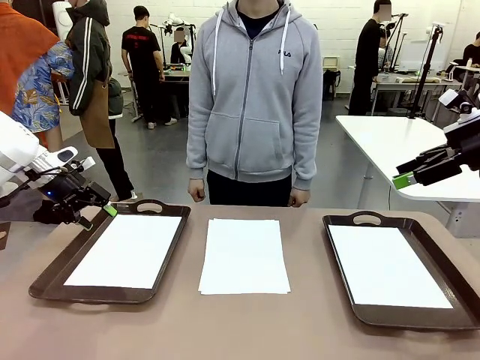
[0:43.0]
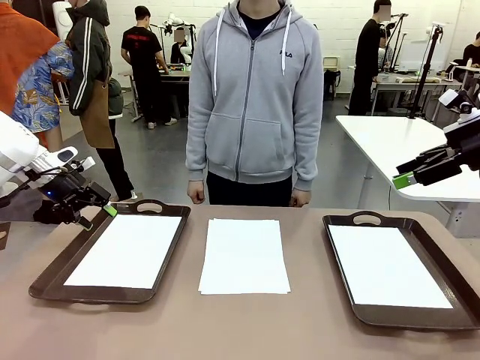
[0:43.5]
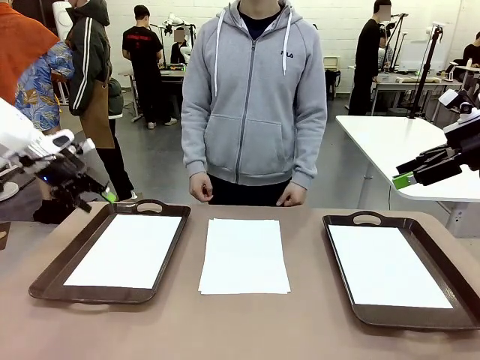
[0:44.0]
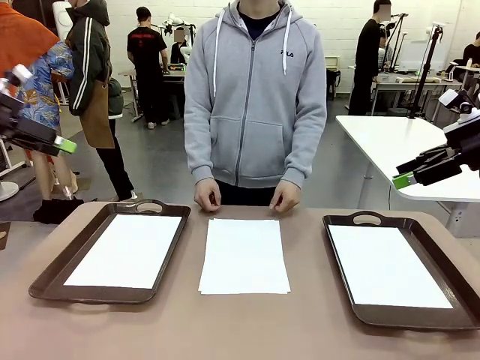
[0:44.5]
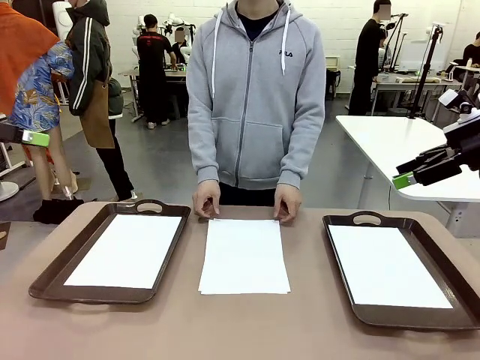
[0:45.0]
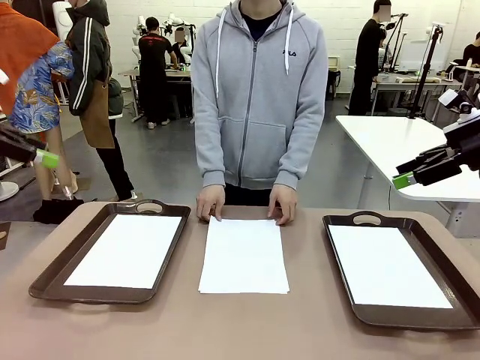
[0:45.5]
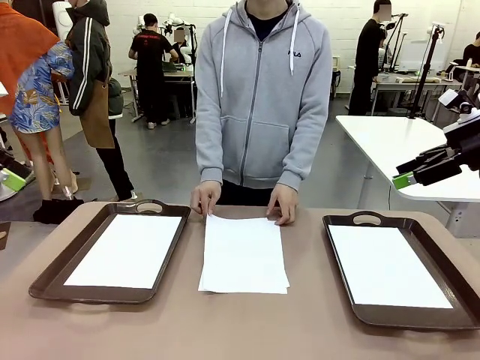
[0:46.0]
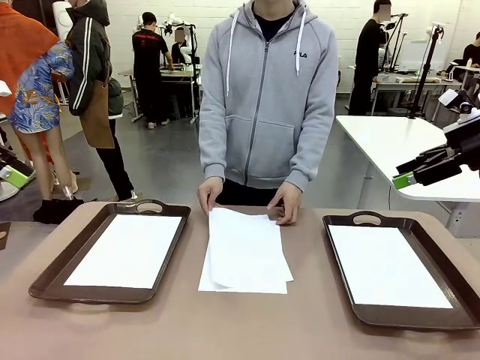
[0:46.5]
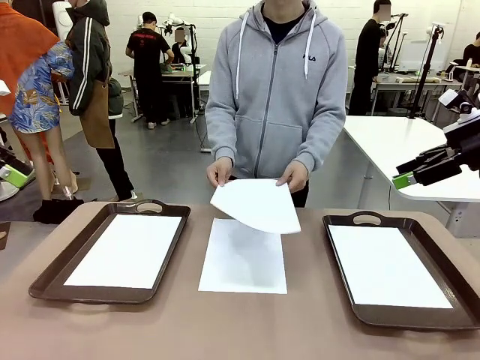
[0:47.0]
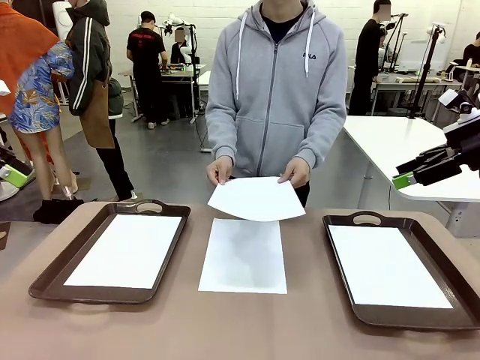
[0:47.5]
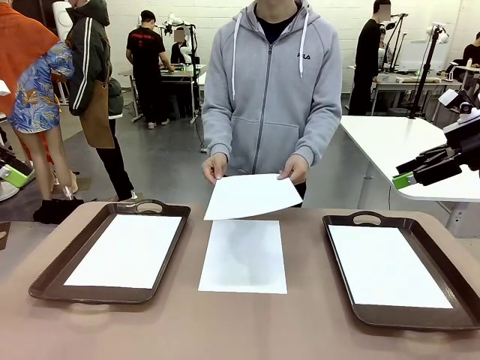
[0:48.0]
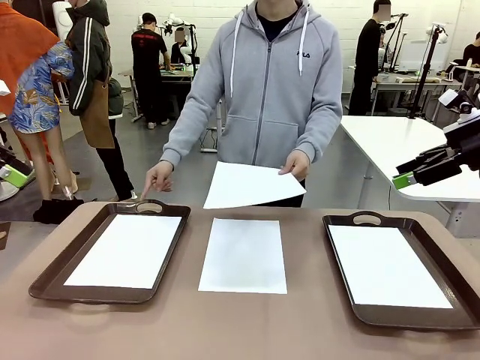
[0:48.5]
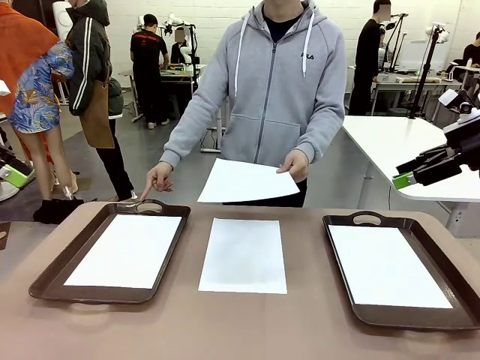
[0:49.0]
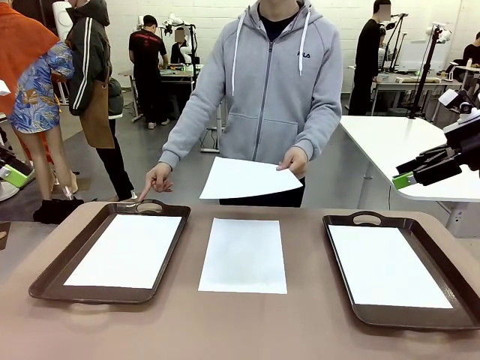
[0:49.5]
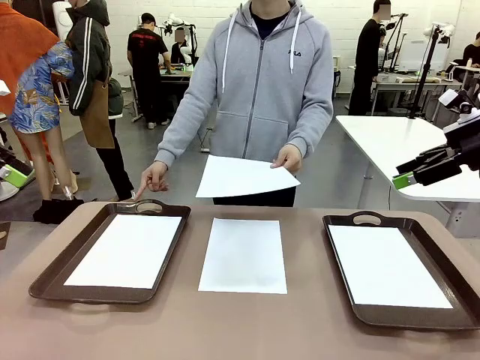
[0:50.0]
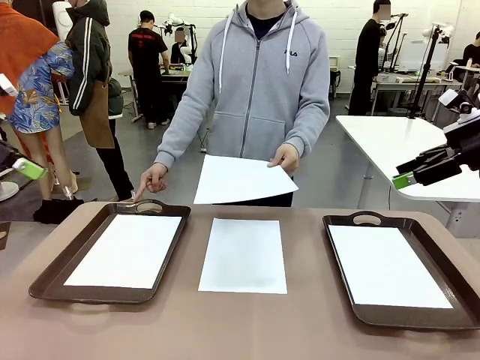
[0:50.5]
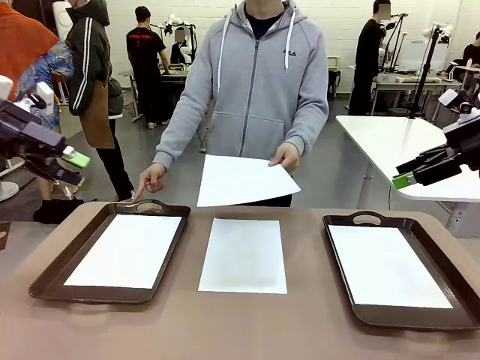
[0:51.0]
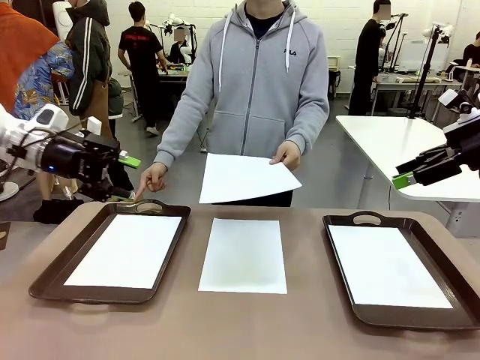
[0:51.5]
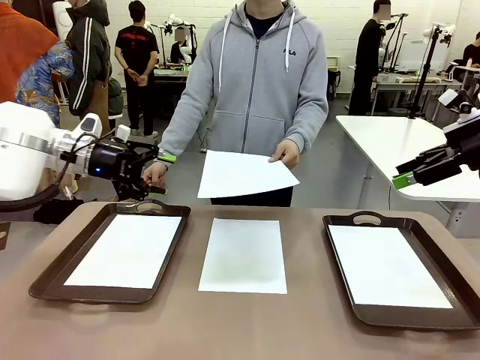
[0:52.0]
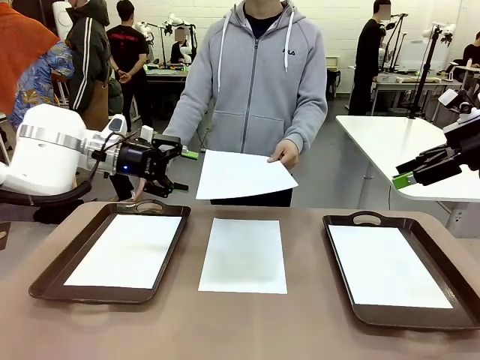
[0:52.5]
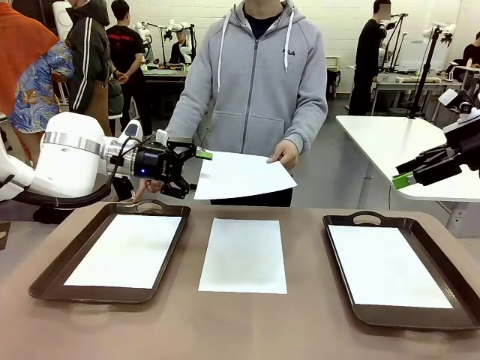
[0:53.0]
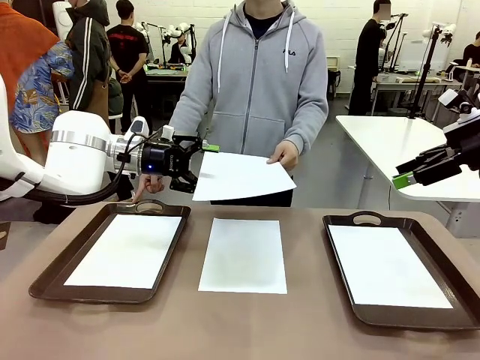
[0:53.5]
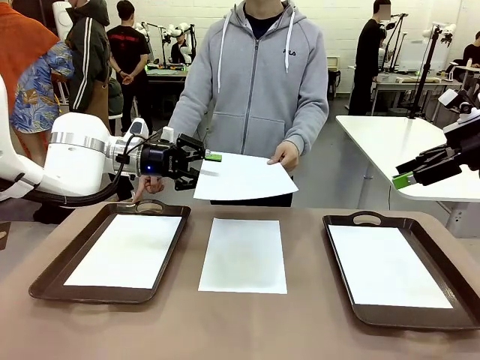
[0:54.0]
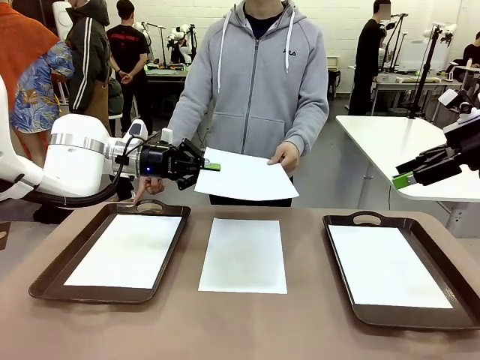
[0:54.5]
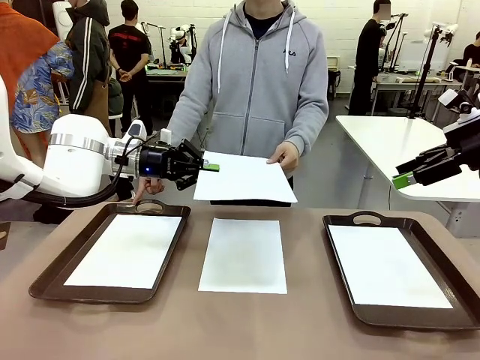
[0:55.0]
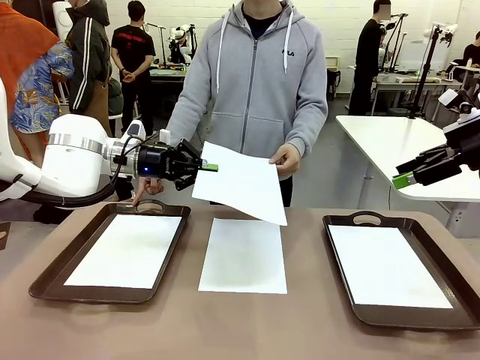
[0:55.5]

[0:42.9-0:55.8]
Task: Sort the A4 documents.
Robot: Receive the A4 Paper.
Person: Point the randomly selected tray with the other hand.

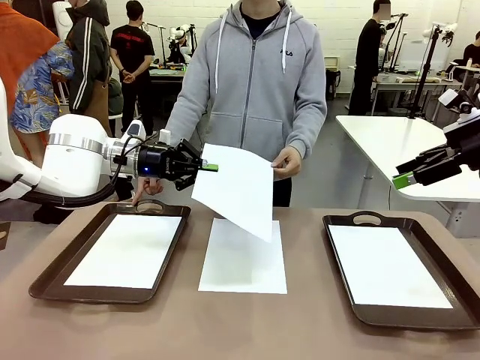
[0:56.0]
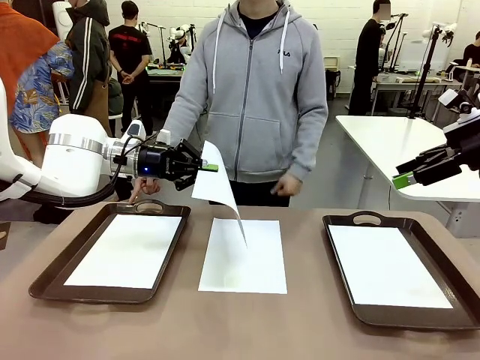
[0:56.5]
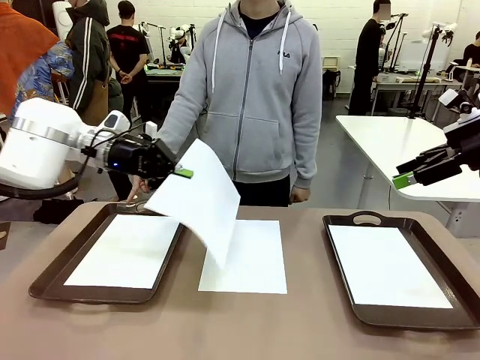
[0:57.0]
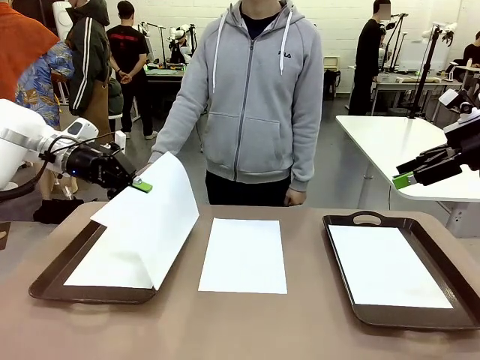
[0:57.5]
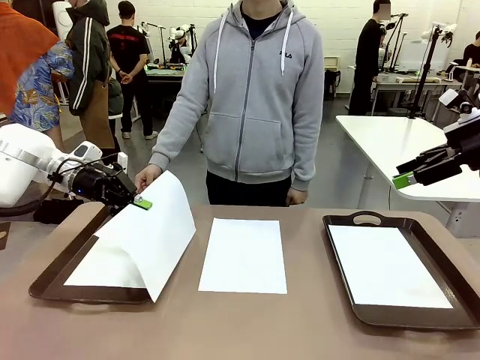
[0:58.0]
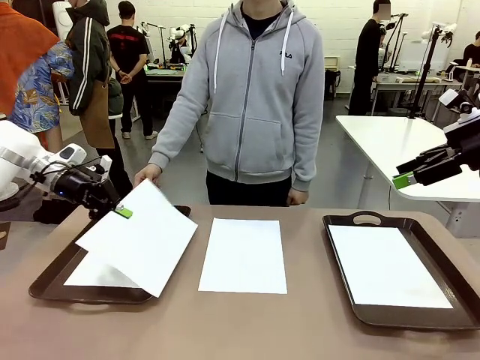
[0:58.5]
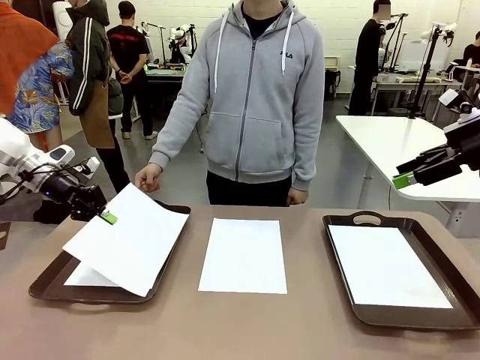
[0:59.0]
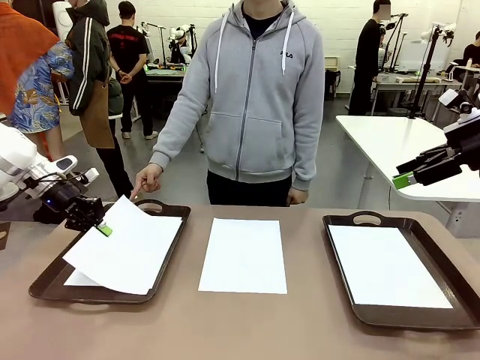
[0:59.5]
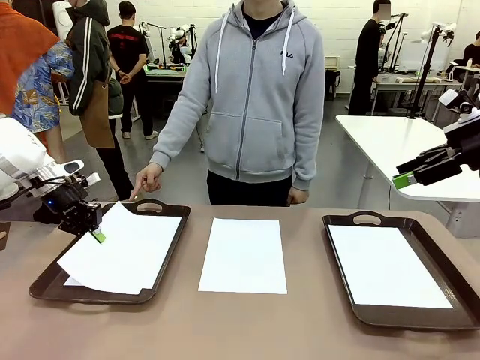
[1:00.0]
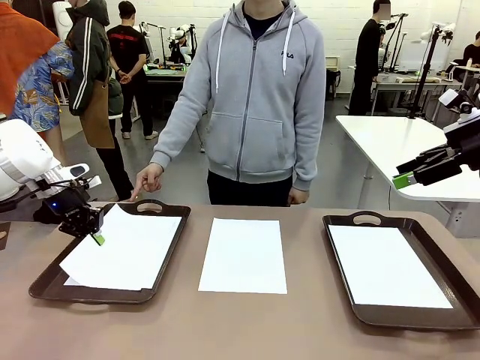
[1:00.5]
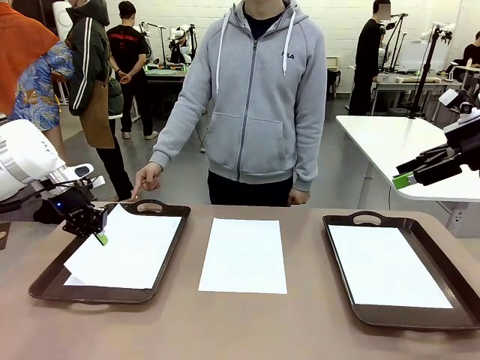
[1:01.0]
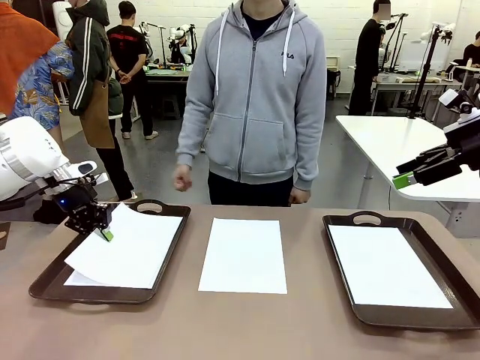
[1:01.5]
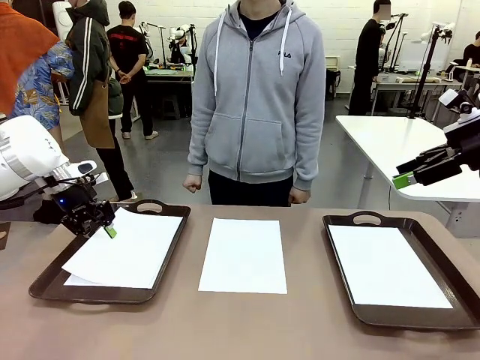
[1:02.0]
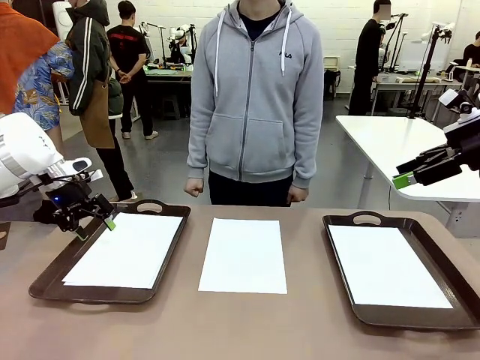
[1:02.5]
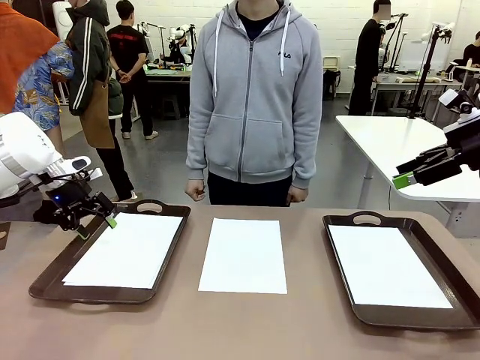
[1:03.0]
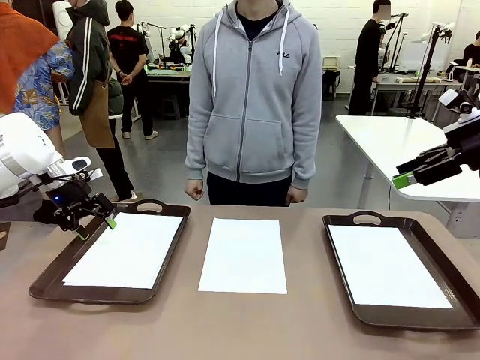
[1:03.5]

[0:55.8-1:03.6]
Robot: Place the A4 Paper in the designated Handle tray.

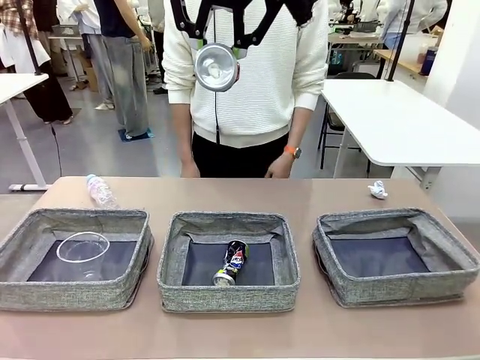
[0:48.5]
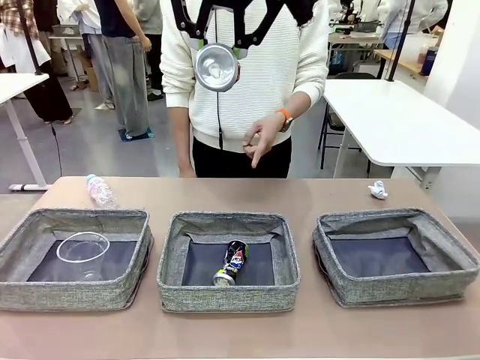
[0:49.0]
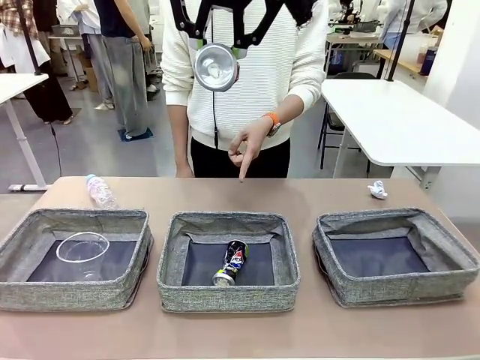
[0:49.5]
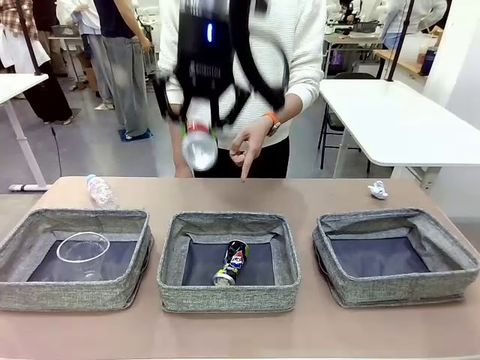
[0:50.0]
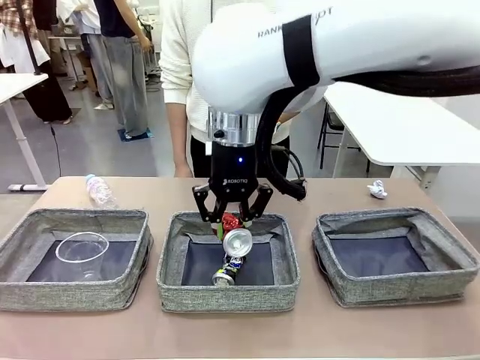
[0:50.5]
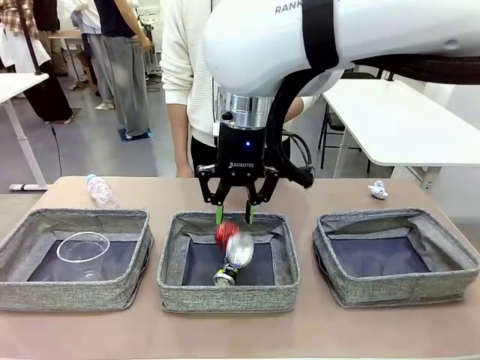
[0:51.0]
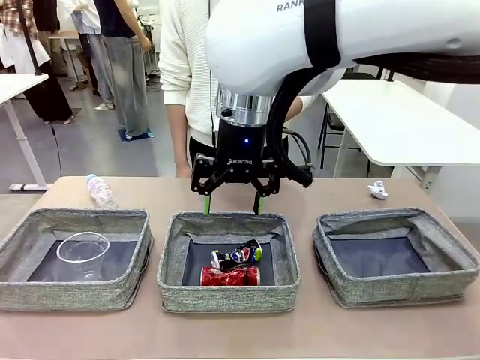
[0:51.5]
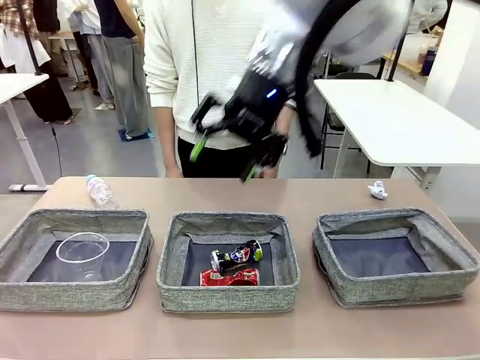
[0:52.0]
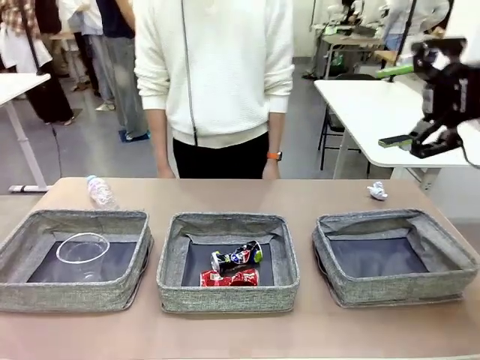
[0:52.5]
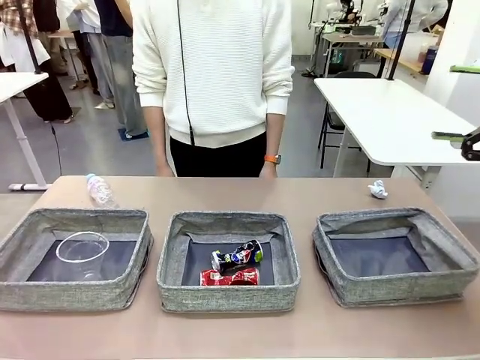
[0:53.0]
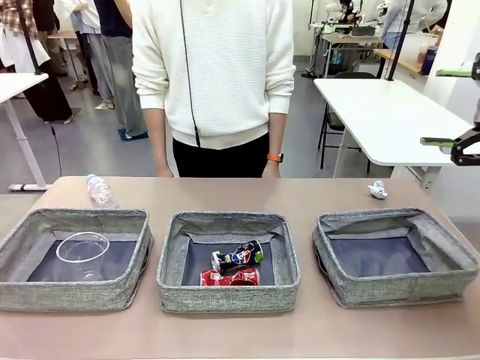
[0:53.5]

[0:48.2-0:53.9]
Task: Sort the waste into the appropriate baskets.
Robot: Place the picked waste into the Fabric basket indicated by the person.
Person: Instructs the robot to place the picked-up trash into the appropriate organizing basket.
